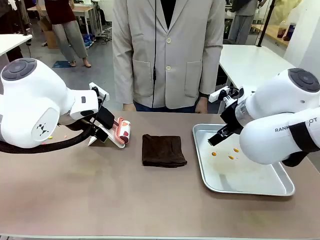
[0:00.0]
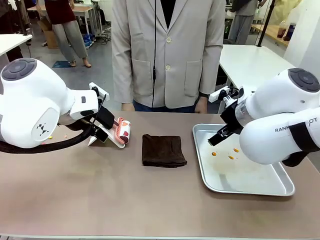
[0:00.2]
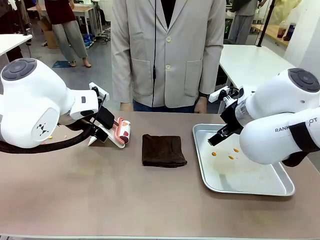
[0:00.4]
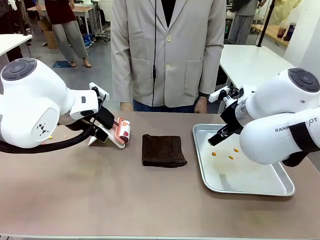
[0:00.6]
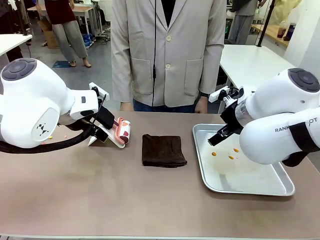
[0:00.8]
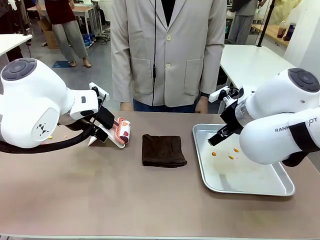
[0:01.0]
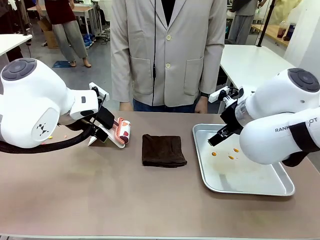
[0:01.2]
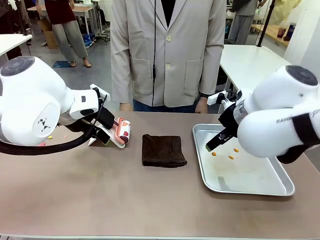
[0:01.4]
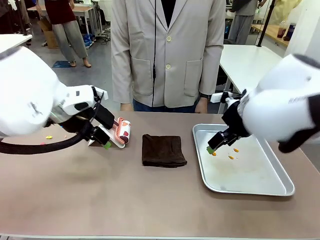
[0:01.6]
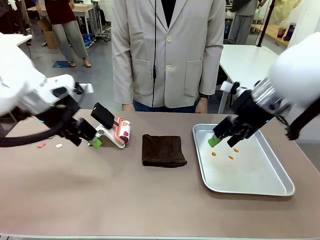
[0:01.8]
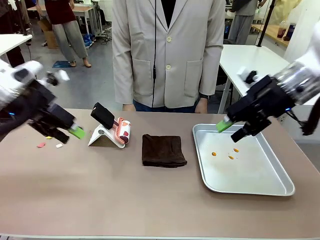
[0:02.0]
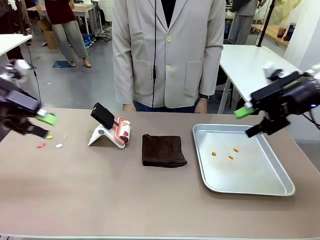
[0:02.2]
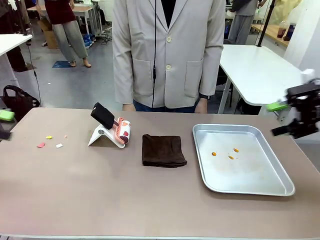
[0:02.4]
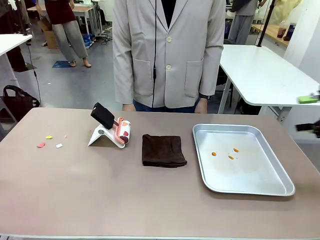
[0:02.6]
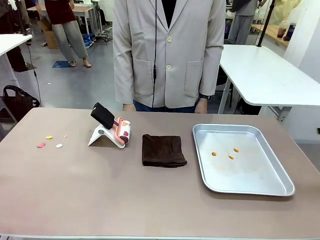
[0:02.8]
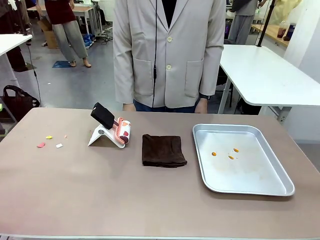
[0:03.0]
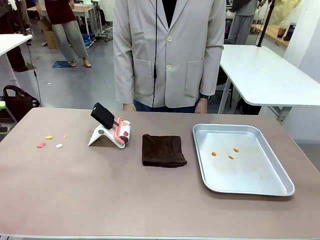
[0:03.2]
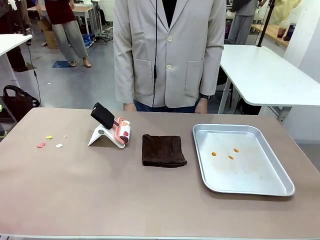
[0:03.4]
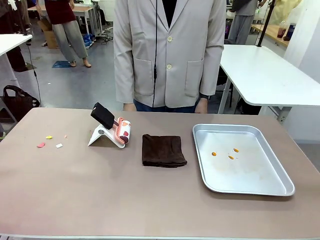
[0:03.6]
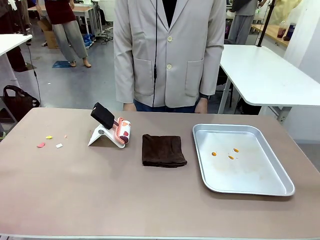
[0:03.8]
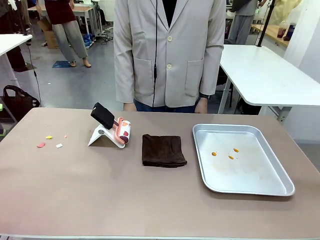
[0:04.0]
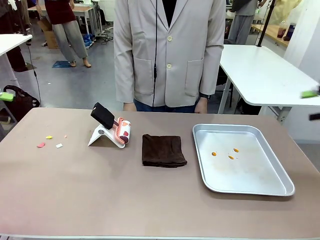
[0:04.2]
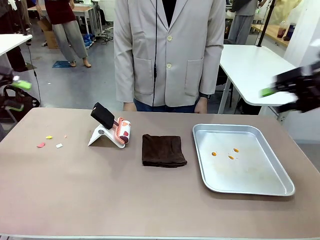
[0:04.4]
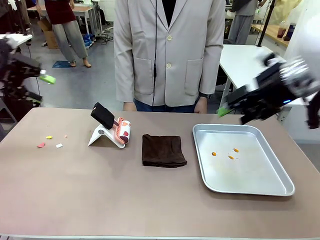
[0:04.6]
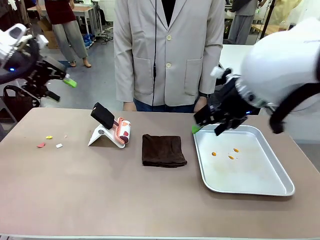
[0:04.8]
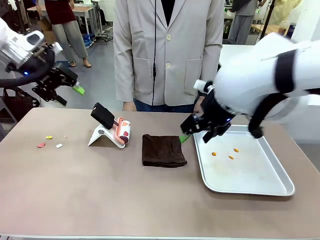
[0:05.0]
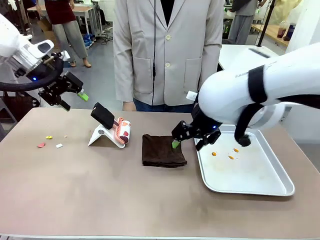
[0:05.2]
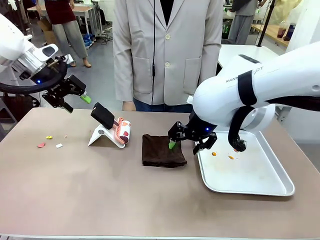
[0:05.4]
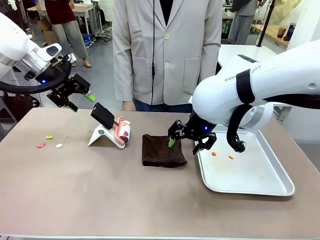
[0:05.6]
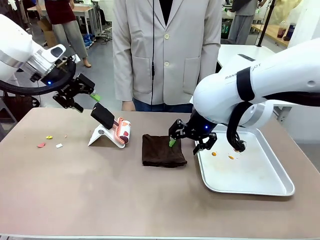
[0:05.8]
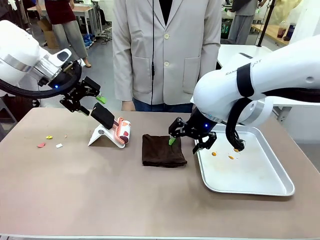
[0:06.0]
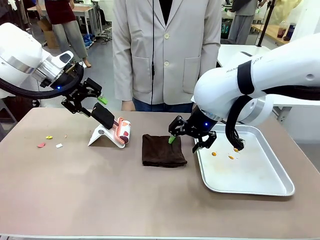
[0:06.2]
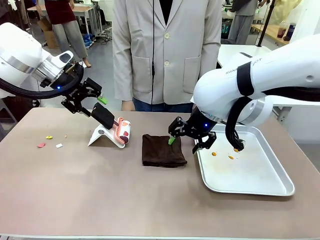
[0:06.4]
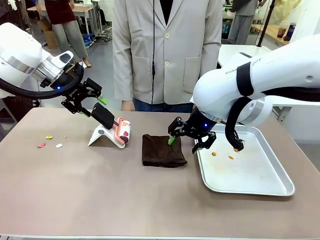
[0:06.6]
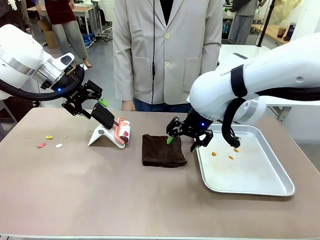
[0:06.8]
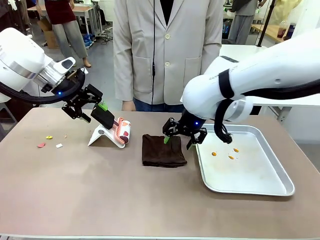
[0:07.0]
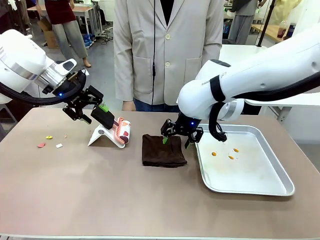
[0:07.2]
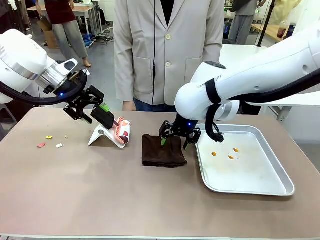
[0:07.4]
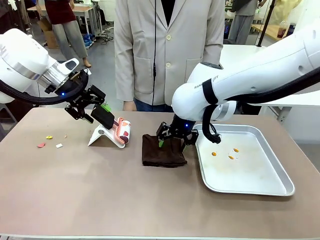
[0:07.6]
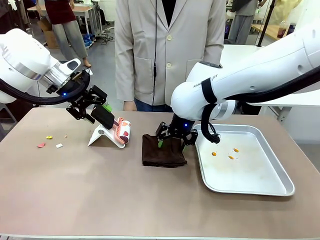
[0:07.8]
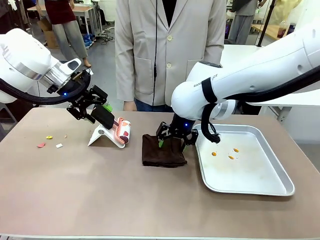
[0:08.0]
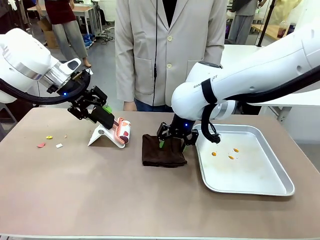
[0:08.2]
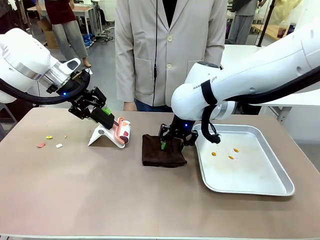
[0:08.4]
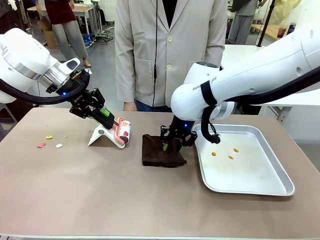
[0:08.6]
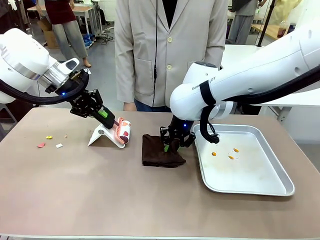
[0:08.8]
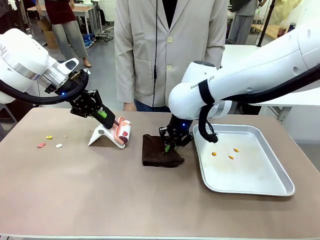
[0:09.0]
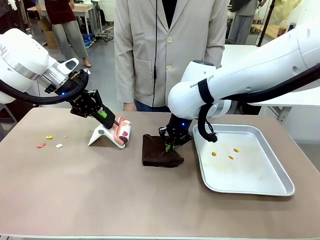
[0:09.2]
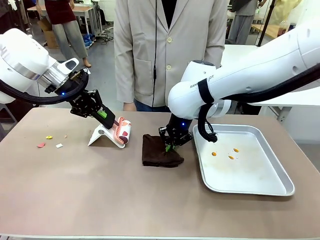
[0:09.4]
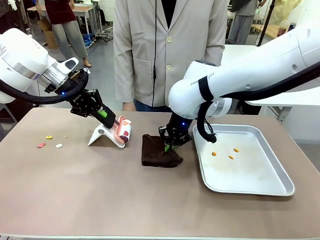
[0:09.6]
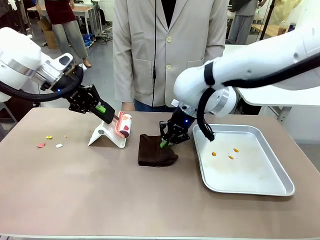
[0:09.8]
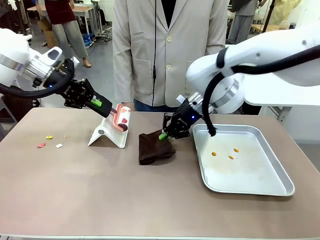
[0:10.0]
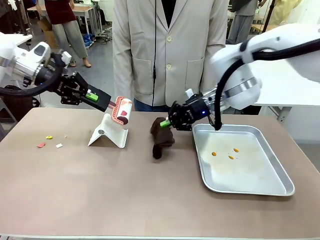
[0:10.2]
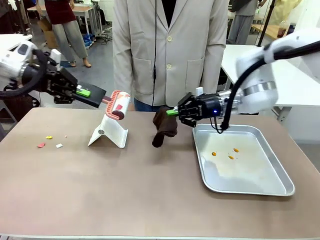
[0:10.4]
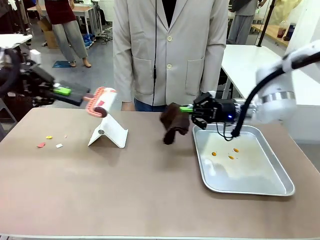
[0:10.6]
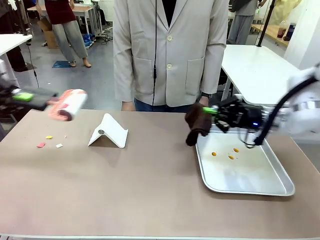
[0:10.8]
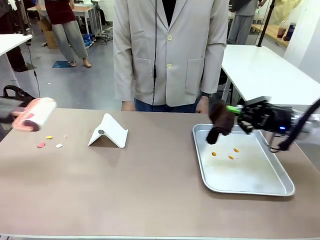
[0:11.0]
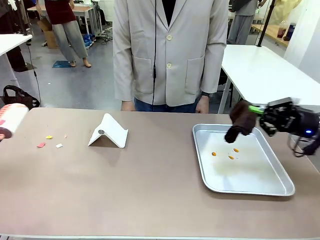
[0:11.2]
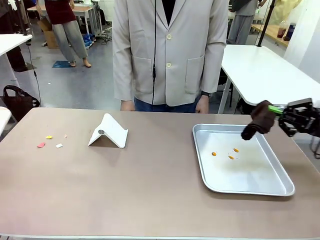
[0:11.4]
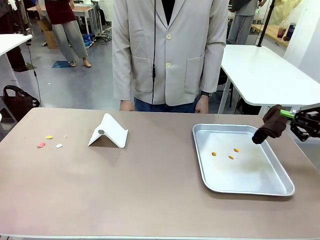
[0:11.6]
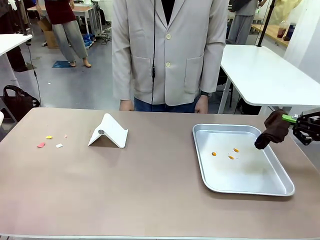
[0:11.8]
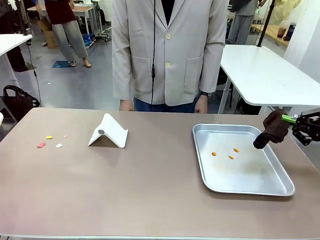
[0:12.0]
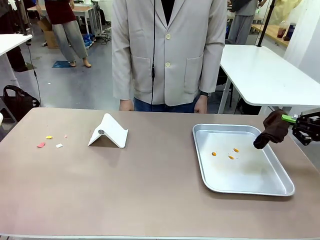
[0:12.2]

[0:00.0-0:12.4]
Task: Clean the surface of the table.
Robot: Hold the Lint Roller with your left hand and the towel with your right hand.

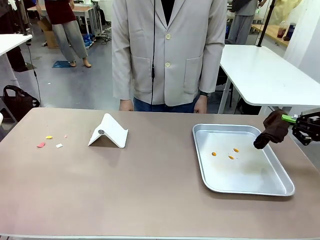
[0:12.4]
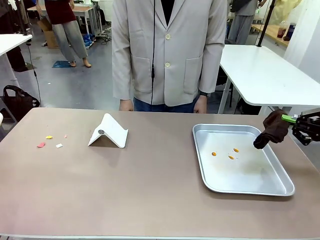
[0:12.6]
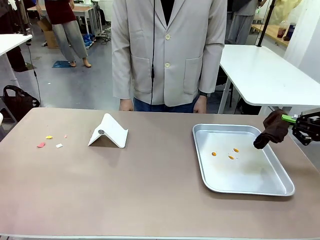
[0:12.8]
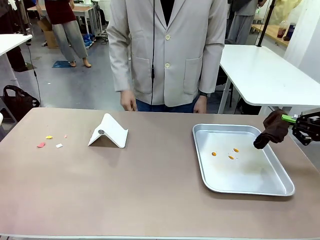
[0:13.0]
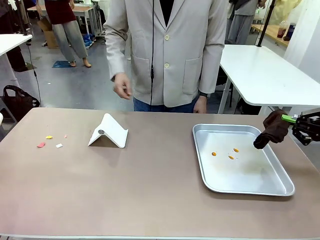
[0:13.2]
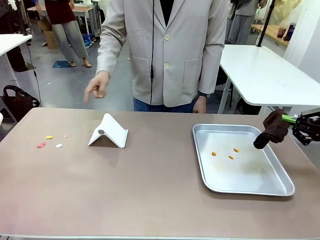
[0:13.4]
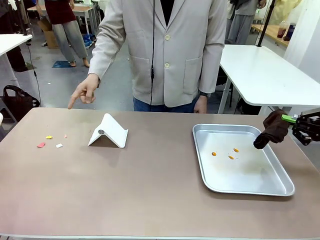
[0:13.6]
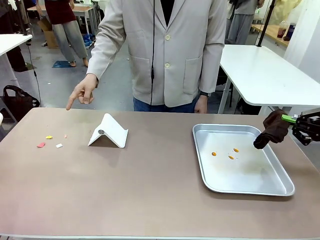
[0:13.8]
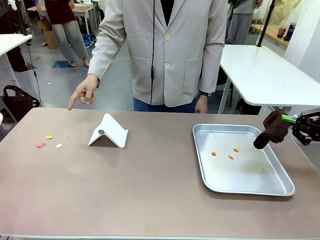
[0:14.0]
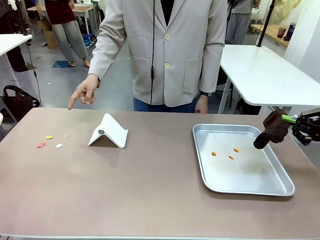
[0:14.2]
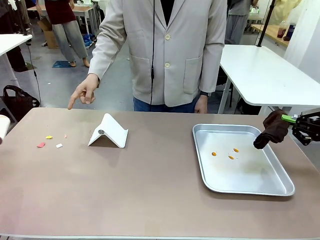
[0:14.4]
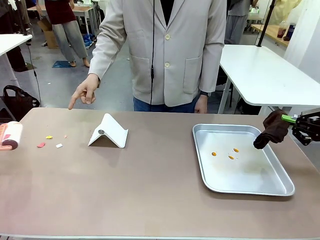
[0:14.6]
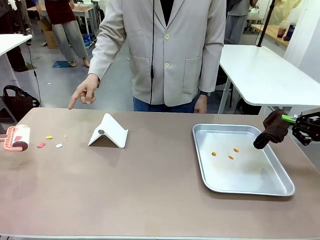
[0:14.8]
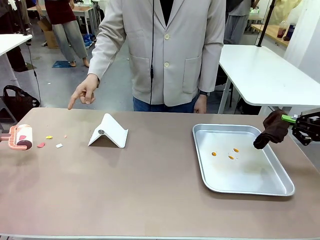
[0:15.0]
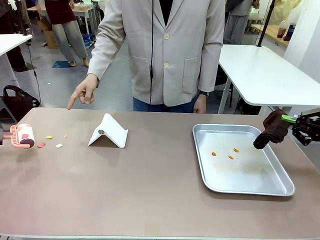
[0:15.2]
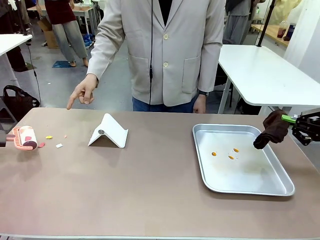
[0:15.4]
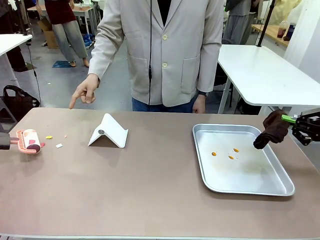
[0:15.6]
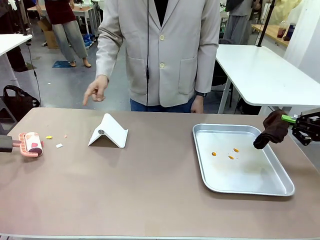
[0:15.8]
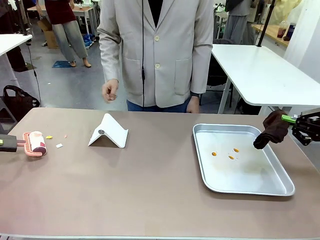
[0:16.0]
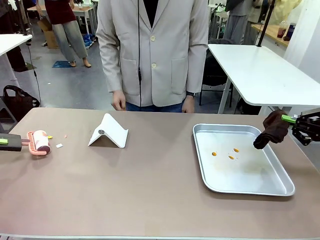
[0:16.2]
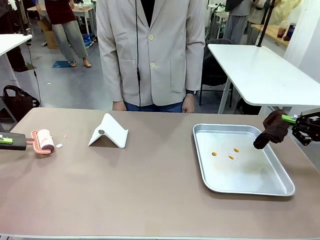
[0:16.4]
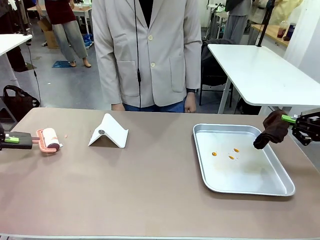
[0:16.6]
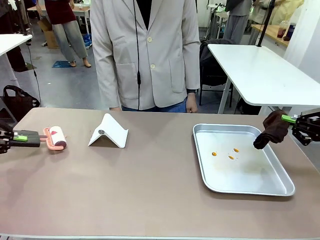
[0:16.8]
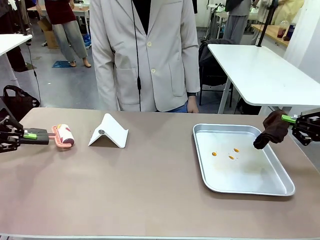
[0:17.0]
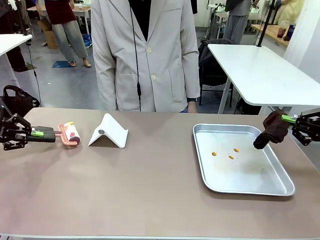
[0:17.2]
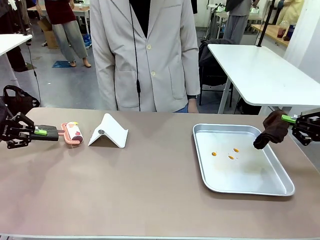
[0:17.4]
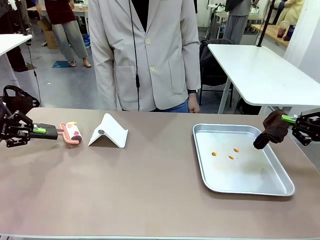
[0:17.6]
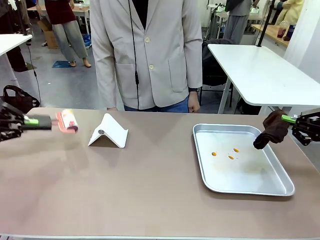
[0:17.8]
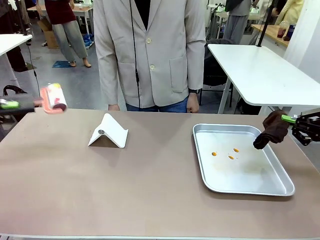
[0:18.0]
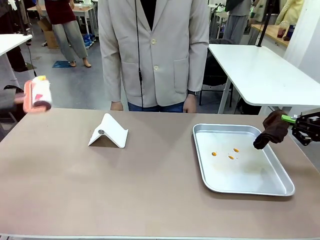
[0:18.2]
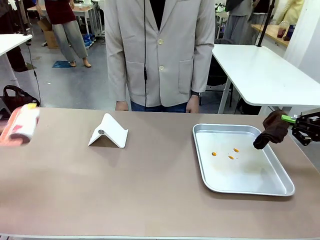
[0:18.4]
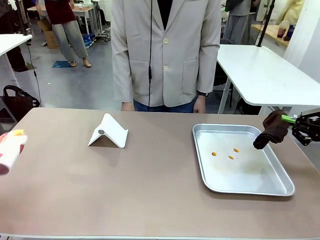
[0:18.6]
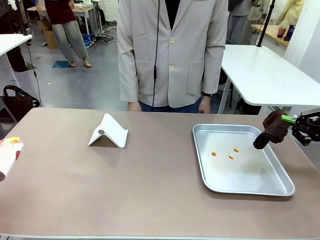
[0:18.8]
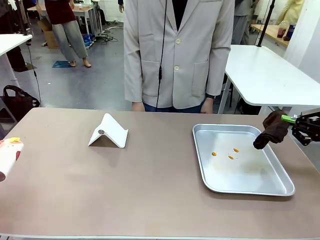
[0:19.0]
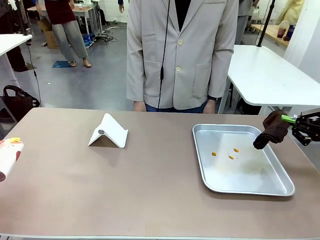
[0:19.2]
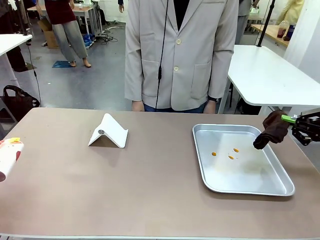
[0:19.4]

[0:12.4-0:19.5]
Robot: If a person points to the right, clean the right side of the table with your right hand, and if they point to the left, clean the left side with your left hand.
